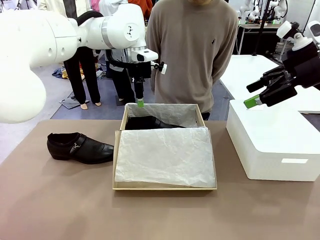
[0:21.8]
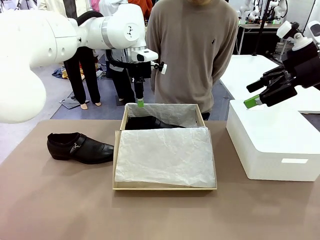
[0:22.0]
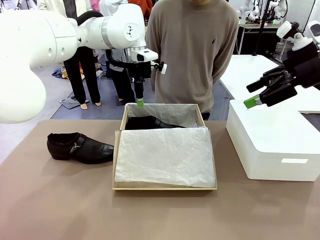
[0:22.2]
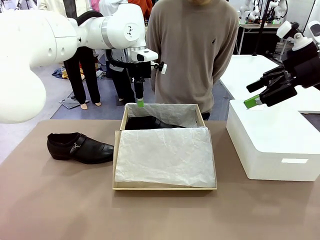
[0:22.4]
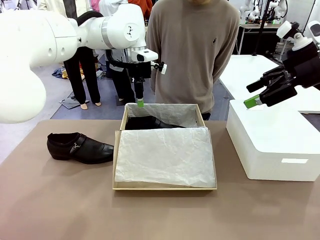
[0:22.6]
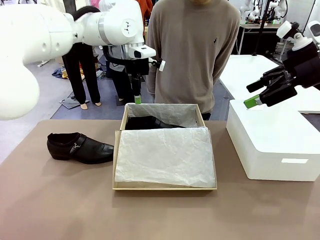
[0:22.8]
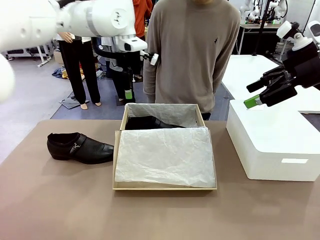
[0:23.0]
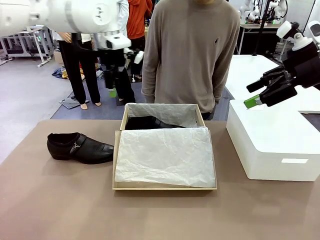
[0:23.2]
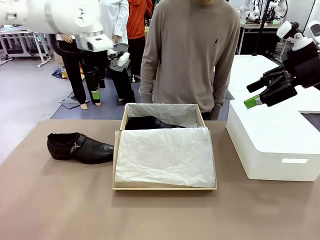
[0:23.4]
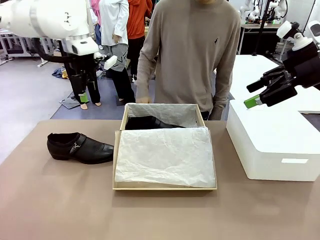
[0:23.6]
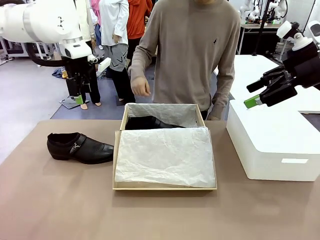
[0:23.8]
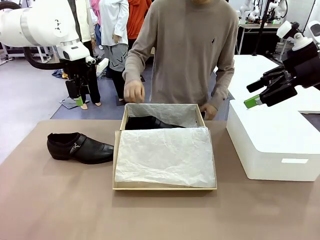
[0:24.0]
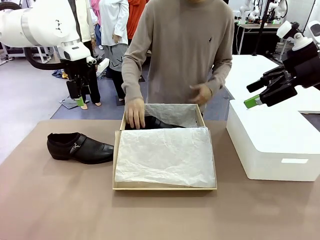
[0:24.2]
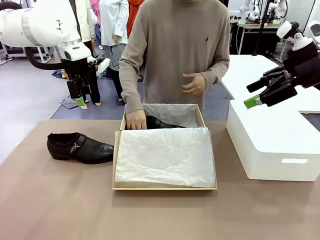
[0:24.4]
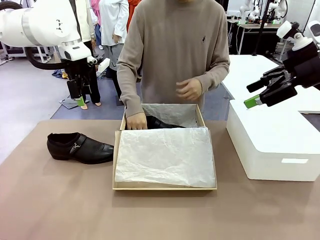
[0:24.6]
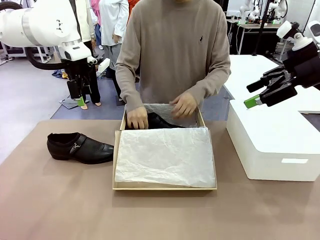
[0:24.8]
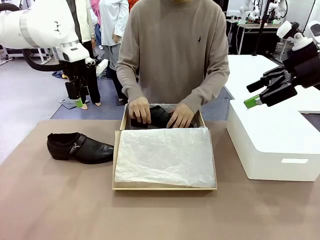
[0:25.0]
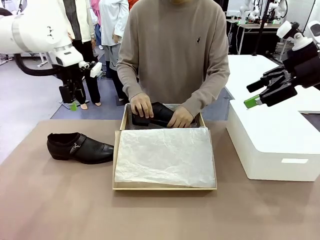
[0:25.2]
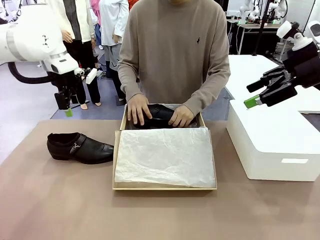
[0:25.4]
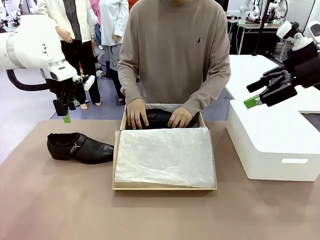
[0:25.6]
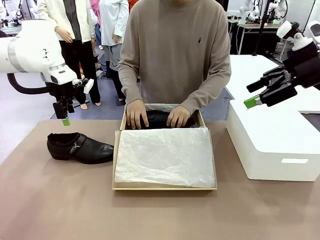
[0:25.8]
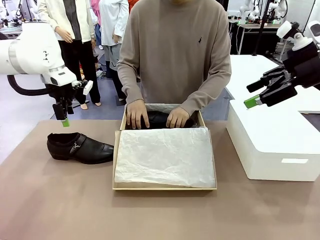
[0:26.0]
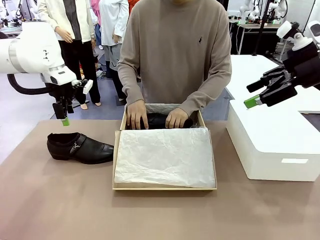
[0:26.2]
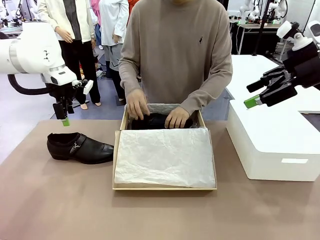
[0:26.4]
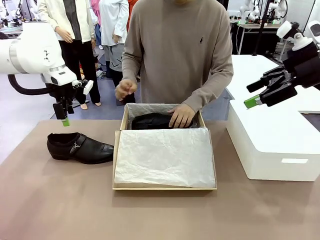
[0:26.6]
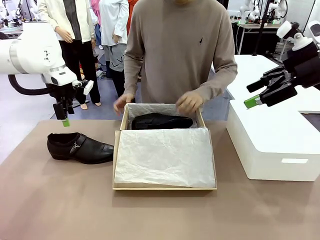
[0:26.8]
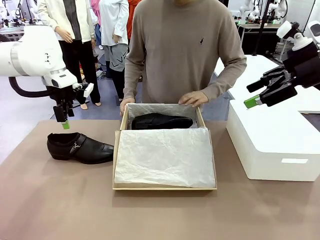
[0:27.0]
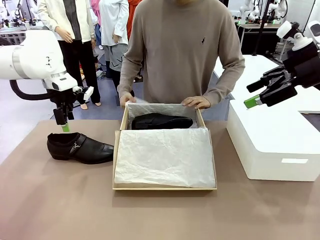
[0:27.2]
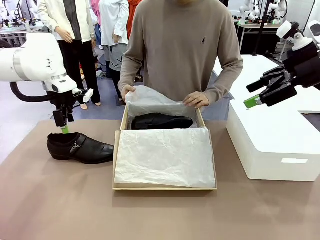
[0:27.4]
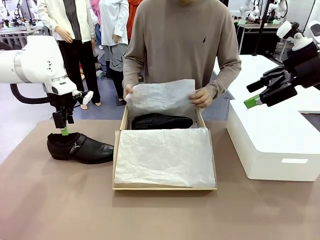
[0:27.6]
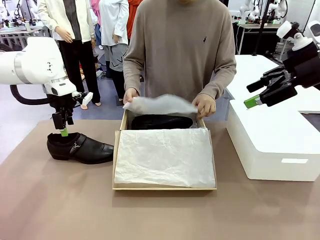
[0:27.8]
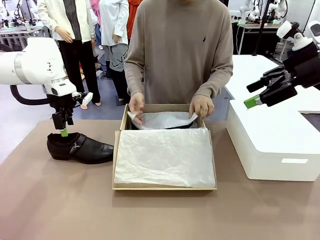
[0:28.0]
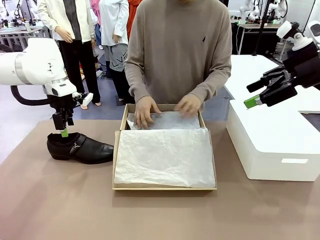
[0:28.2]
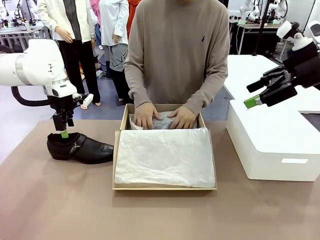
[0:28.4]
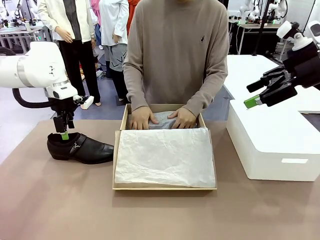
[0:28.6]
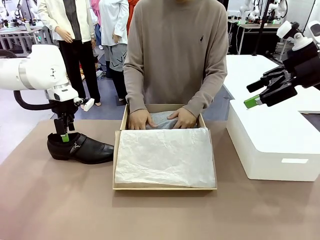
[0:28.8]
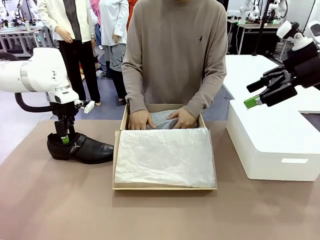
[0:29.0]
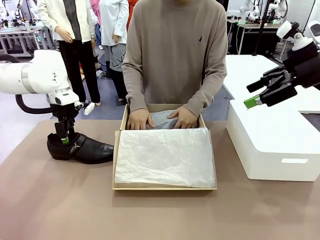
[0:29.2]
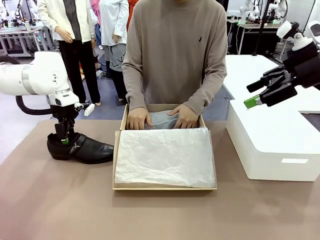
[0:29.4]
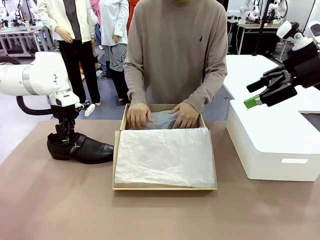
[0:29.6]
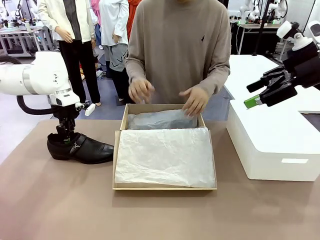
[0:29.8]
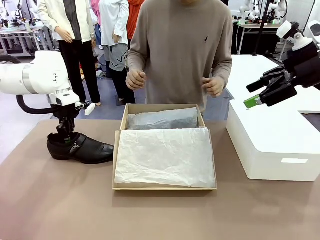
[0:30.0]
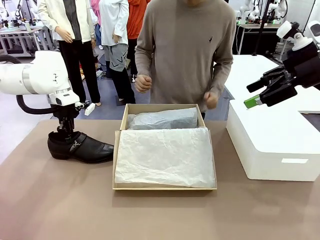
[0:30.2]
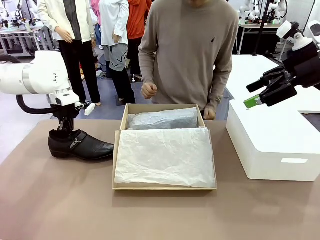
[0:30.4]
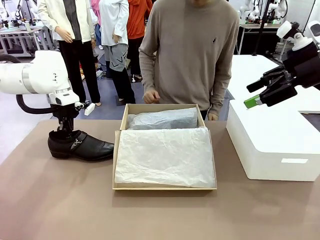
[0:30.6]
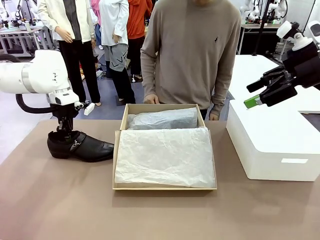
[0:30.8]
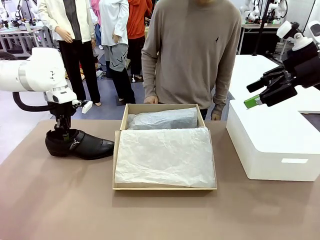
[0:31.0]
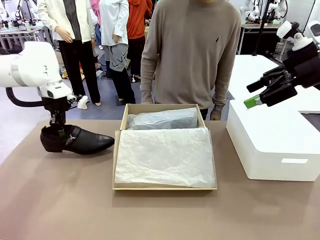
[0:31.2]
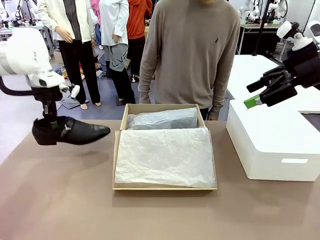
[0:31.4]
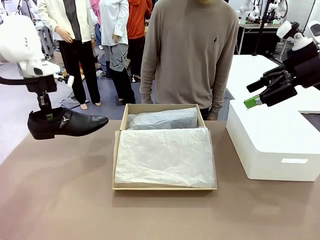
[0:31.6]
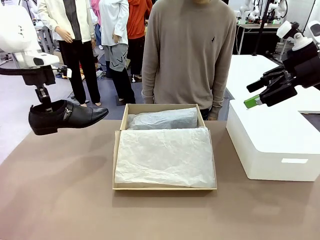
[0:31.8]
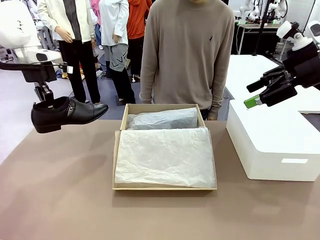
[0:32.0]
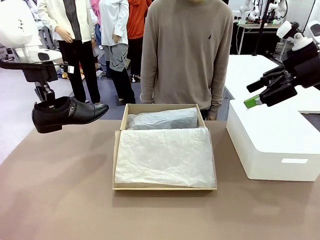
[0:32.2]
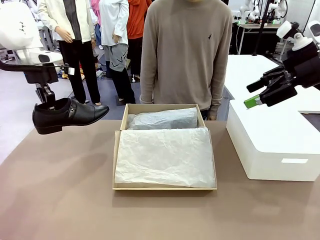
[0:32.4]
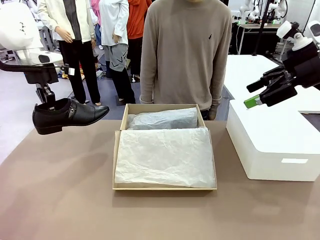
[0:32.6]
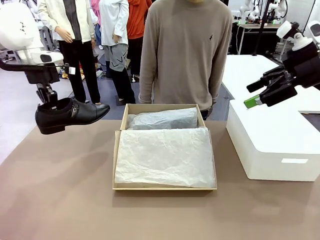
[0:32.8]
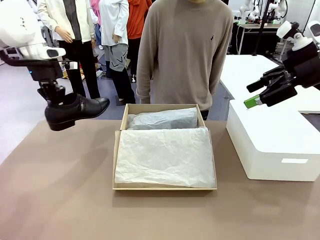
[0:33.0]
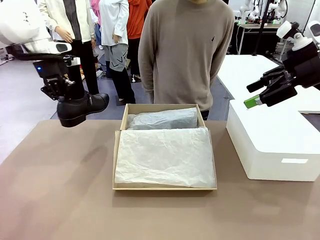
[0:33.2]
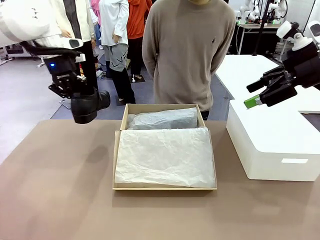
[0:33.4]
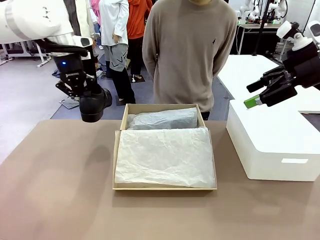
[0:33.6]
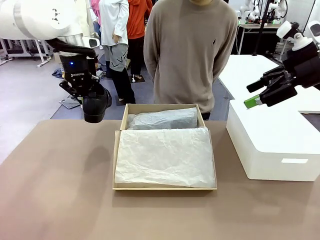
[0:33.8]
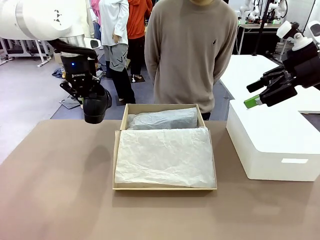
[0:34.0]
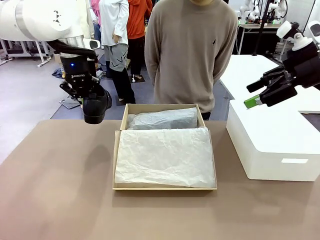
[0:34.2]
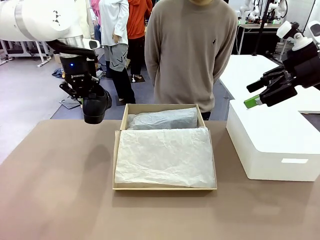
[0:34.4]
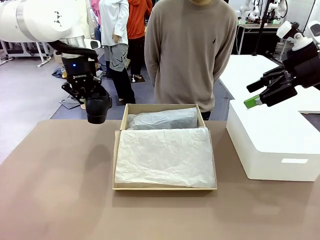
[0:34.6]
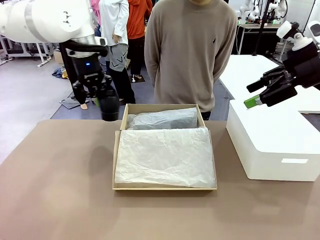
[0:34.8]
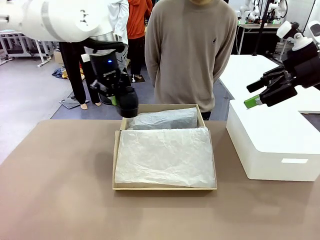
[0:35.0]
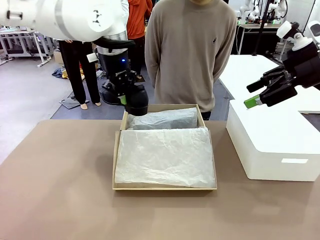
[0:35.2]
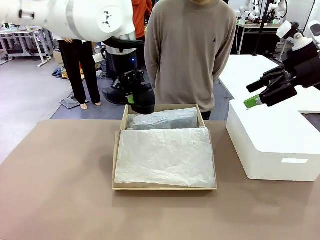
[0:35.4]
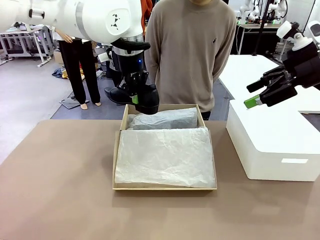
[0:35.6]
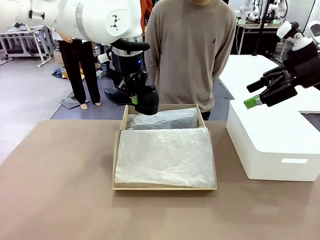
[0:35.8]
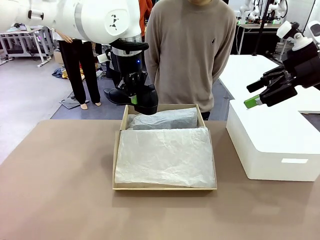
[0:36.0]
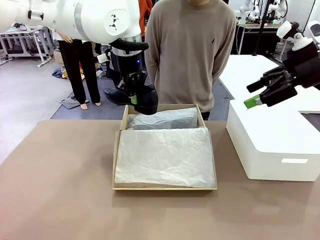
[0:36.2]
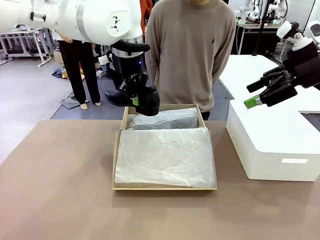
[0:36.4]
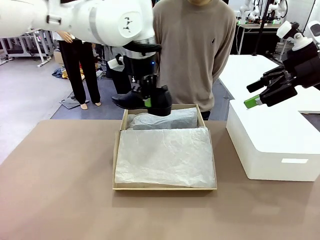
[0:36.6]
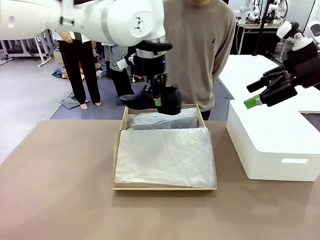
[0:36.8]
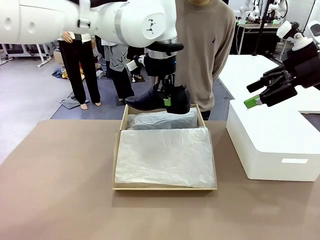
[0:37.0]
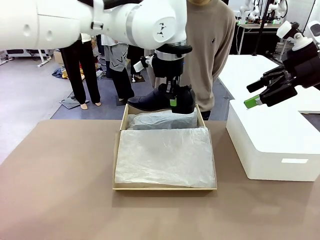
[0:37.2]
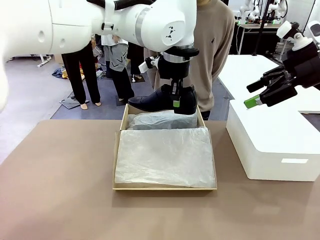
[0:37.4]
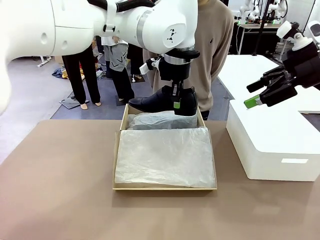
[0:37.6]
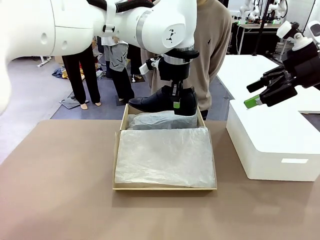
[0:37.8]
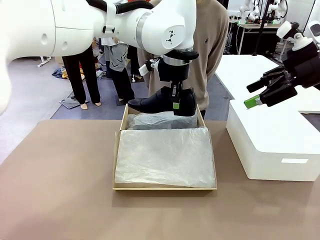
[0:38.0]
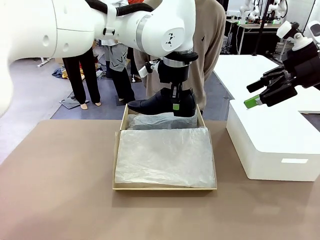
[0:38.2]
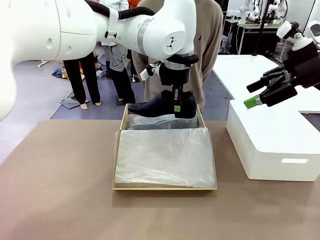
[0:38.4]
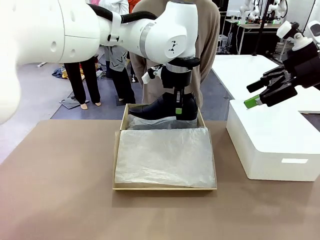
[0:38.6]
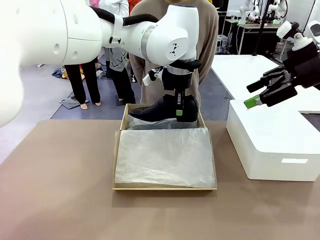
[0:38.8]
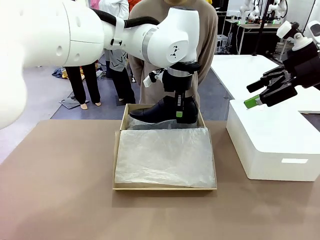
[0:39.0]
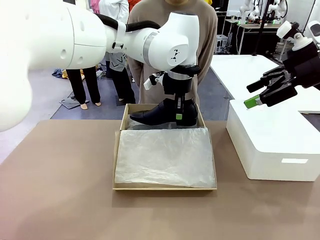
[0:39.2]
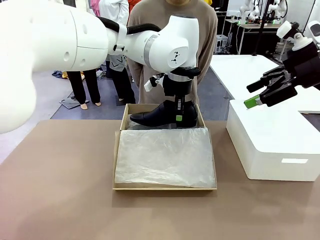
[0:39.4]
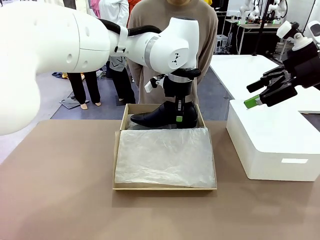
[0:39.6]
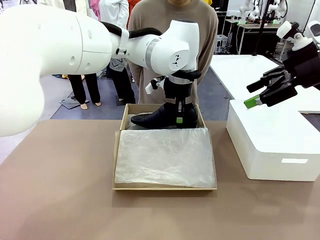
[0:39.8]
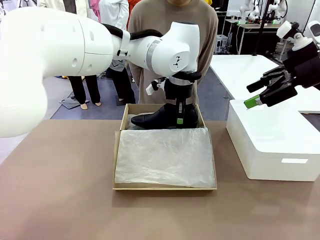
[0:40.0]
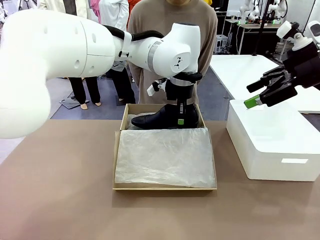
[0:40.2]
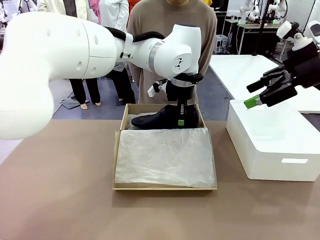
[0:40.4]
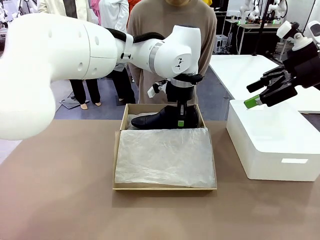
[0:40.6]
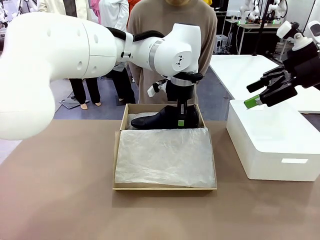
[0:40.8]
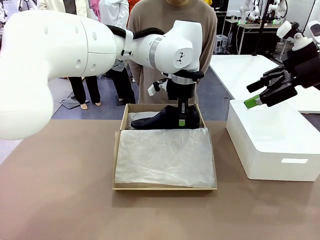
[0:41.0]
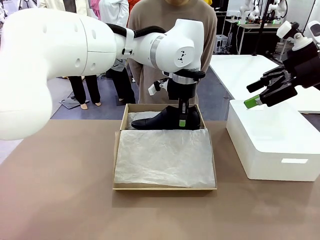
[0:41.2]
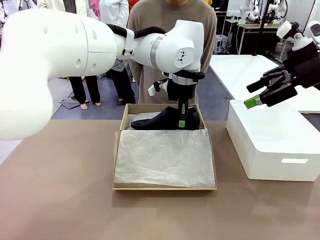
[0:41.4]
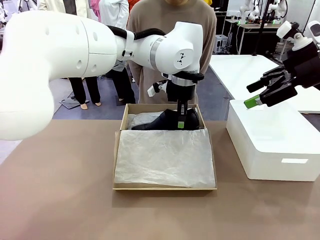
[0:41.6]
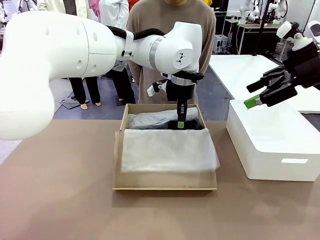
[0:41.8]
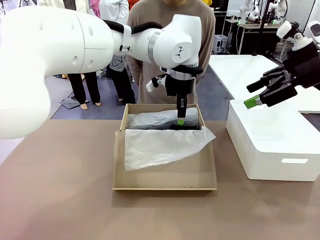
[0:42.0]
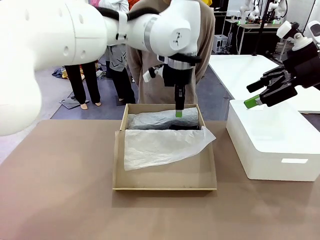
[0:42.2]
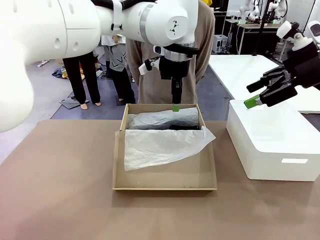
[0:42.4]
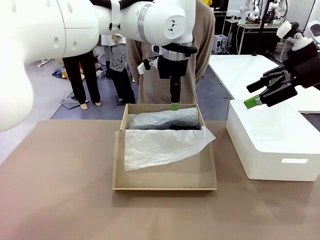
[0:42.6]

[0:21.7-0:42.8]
Task: Pack the shoes into the box.
Robot: Place the other shoe of the Shoes into the Shoes Box.
Person: Pack a shoe of Shoes inside the Shoes Box with Shoes Wrapping Paper.
